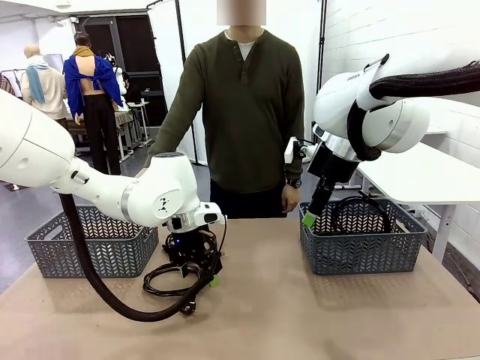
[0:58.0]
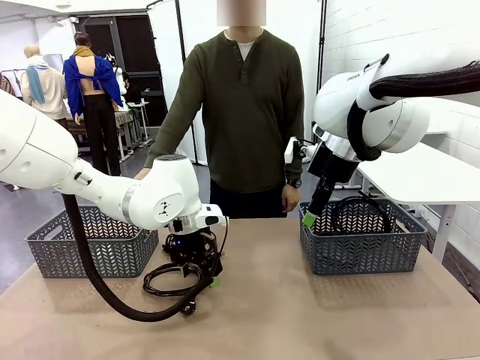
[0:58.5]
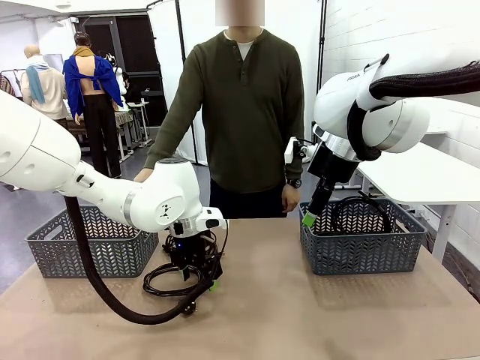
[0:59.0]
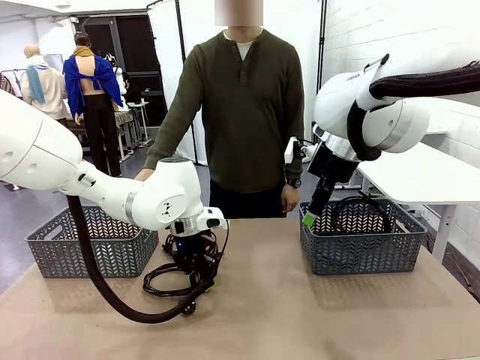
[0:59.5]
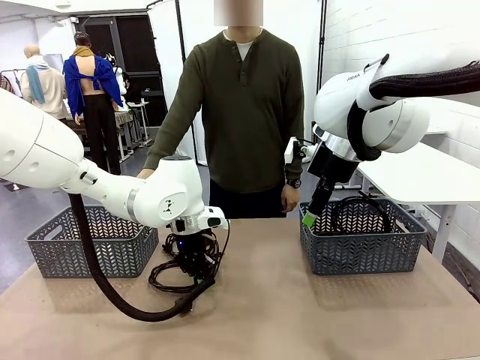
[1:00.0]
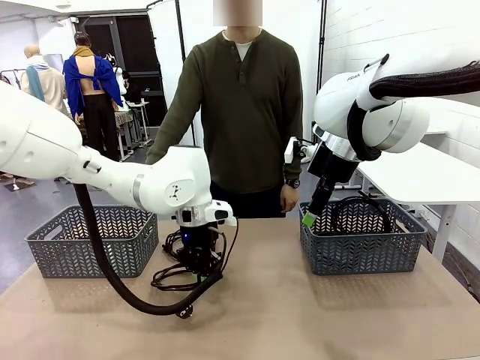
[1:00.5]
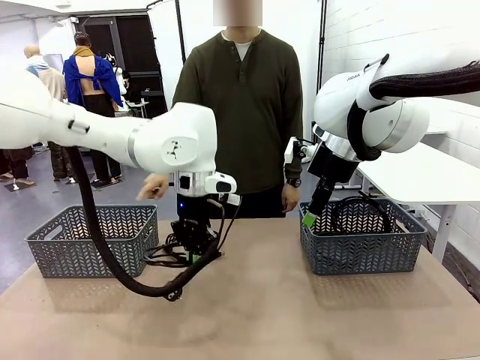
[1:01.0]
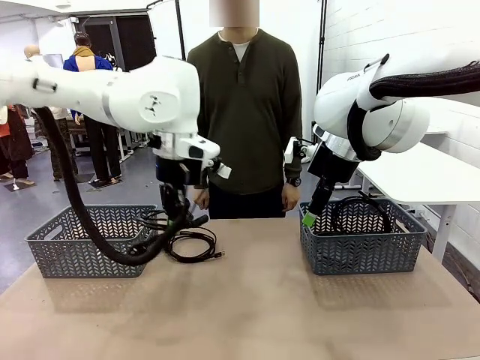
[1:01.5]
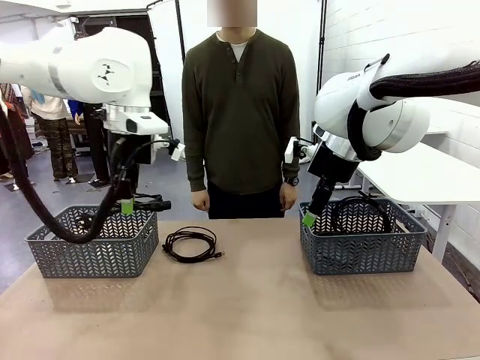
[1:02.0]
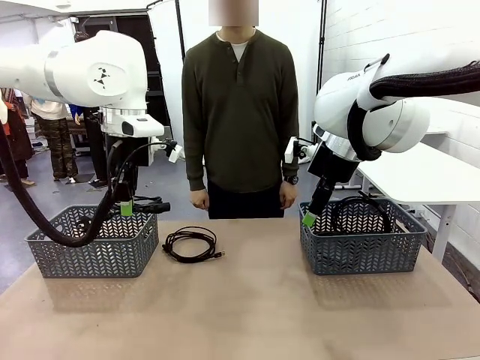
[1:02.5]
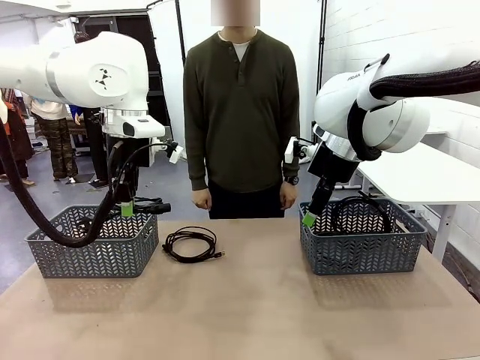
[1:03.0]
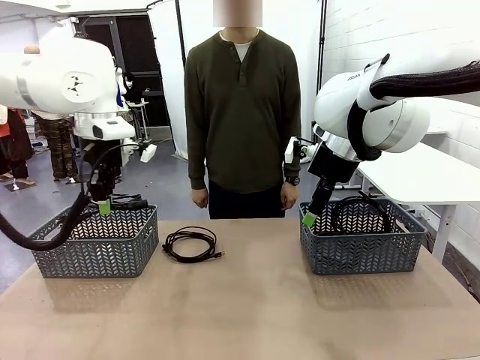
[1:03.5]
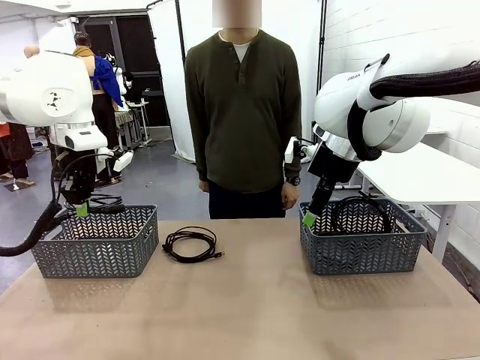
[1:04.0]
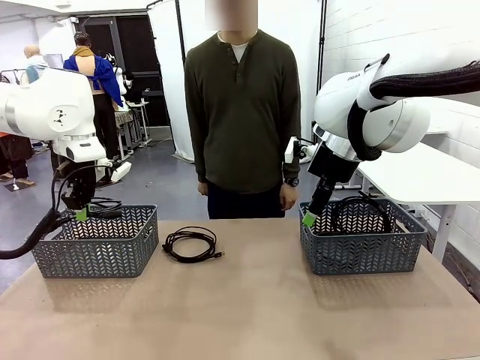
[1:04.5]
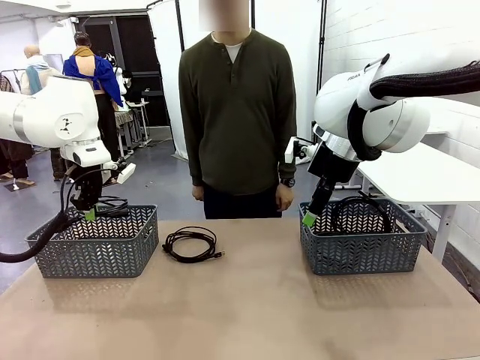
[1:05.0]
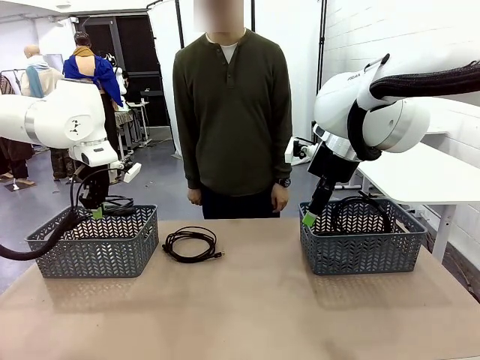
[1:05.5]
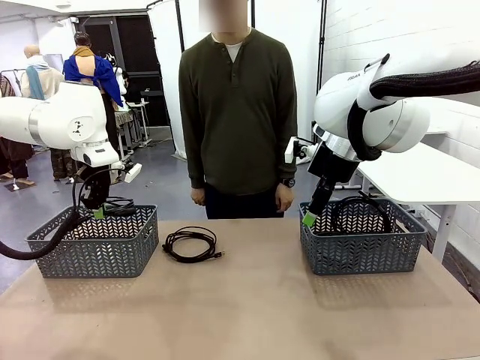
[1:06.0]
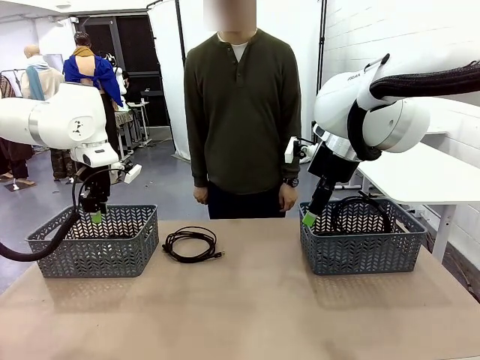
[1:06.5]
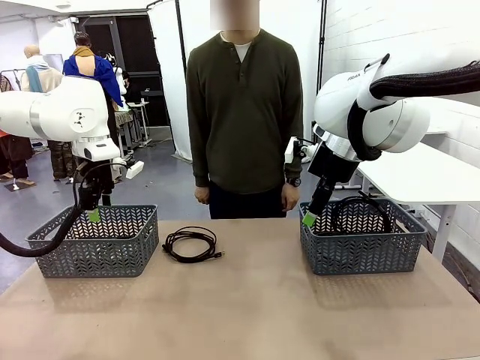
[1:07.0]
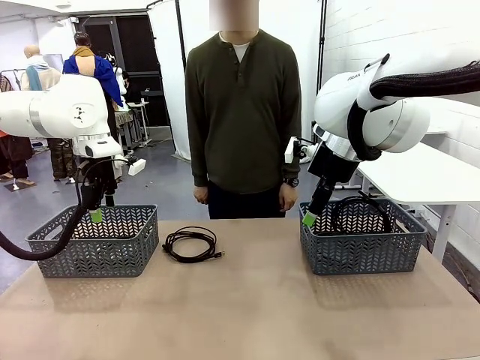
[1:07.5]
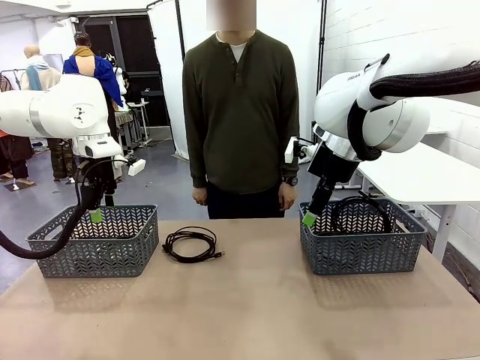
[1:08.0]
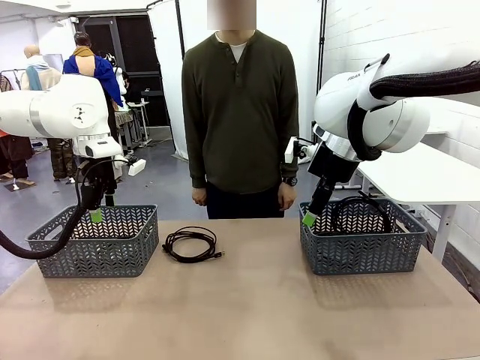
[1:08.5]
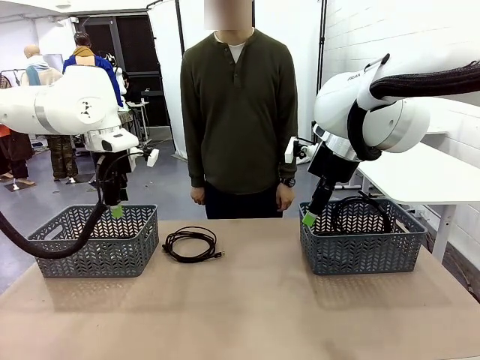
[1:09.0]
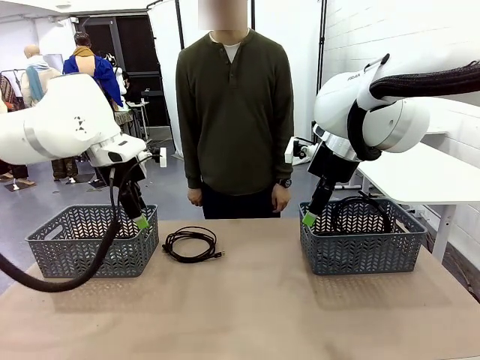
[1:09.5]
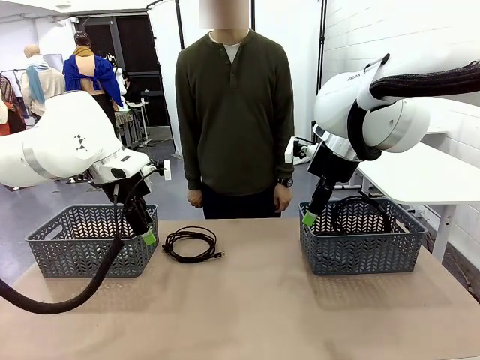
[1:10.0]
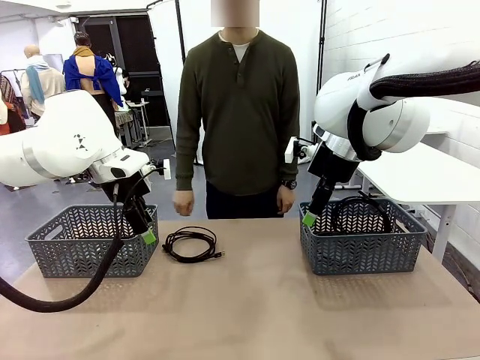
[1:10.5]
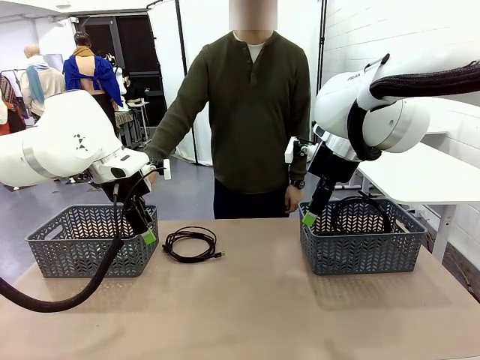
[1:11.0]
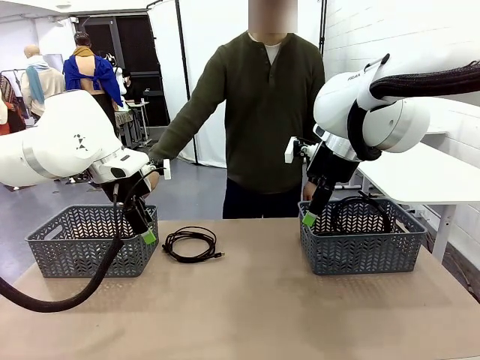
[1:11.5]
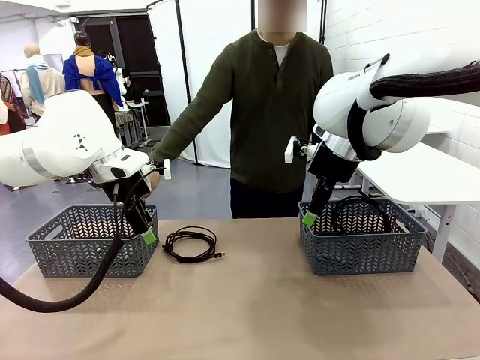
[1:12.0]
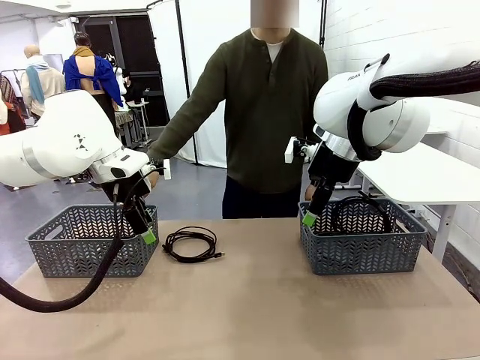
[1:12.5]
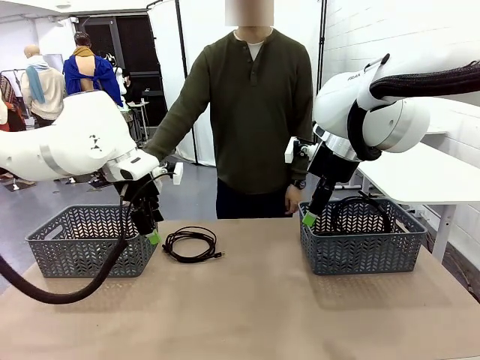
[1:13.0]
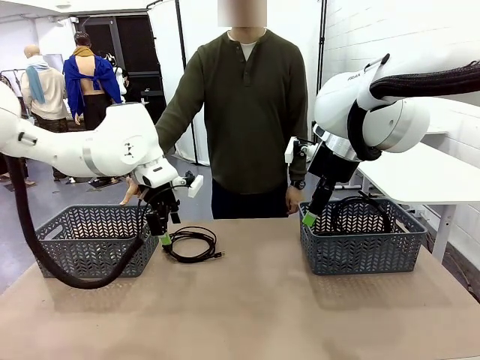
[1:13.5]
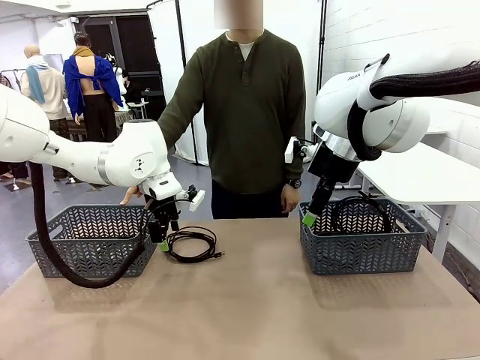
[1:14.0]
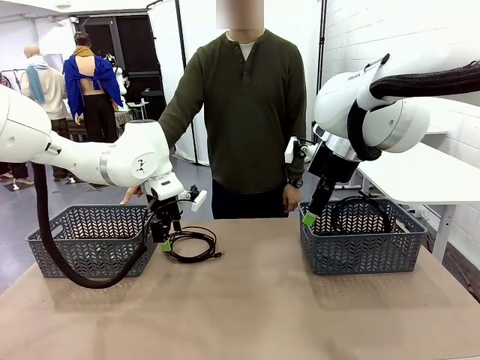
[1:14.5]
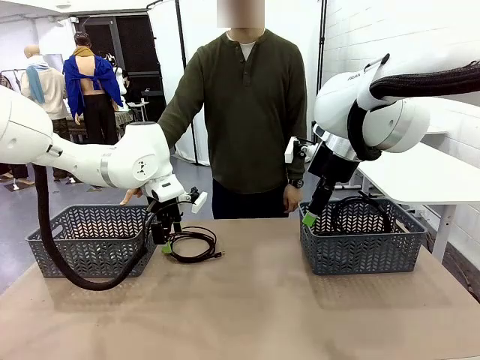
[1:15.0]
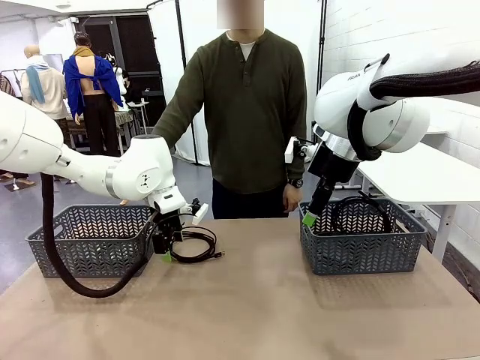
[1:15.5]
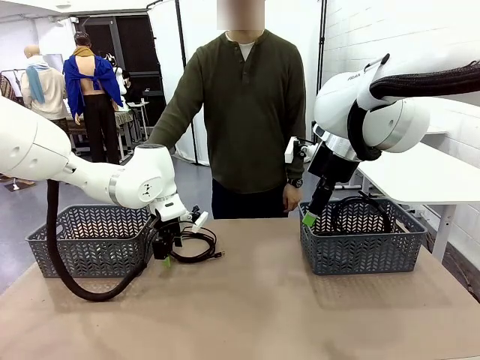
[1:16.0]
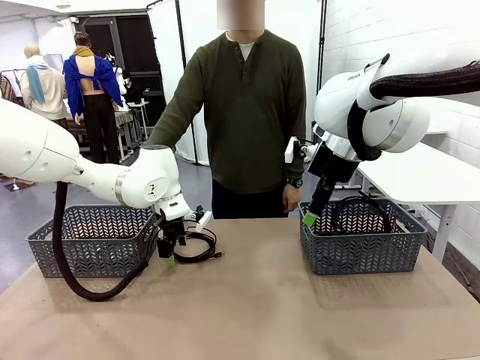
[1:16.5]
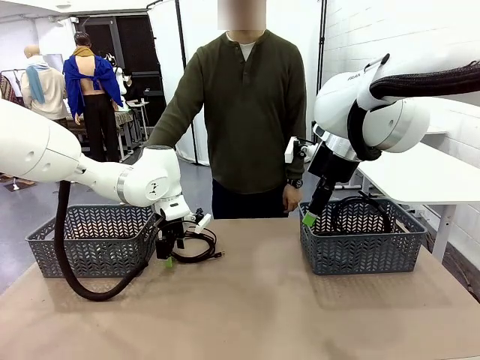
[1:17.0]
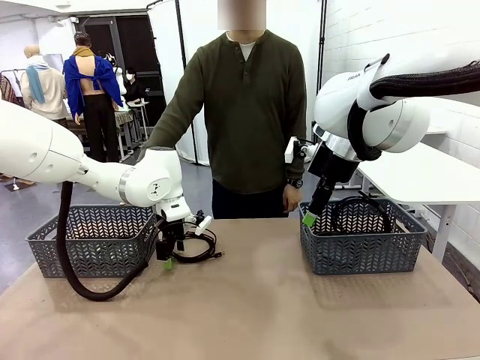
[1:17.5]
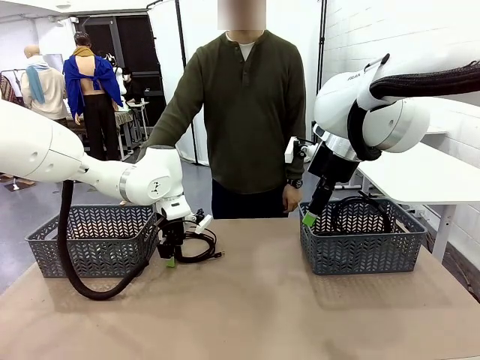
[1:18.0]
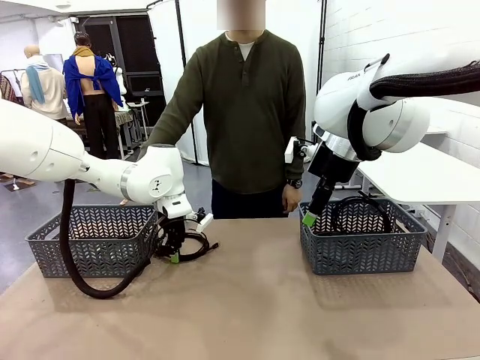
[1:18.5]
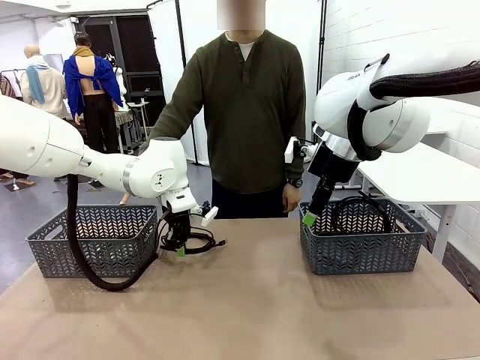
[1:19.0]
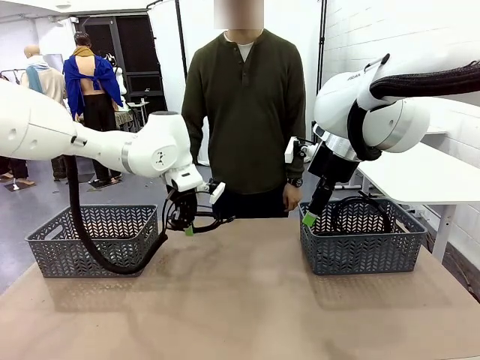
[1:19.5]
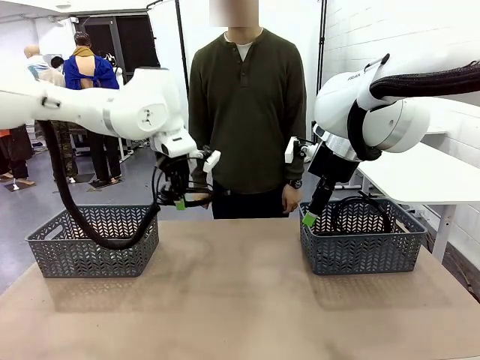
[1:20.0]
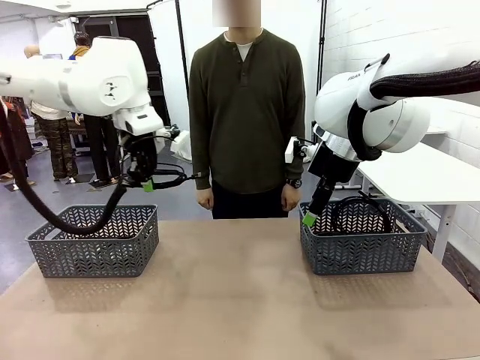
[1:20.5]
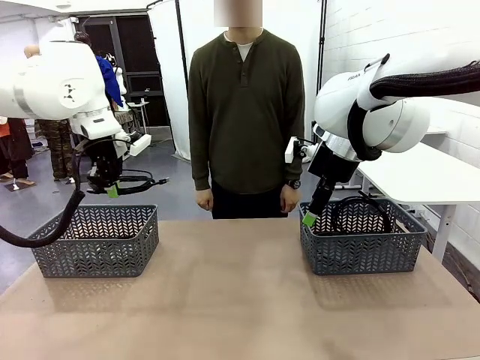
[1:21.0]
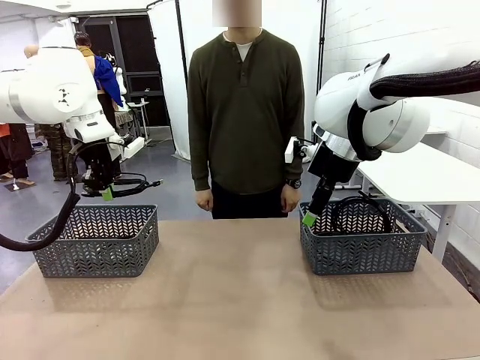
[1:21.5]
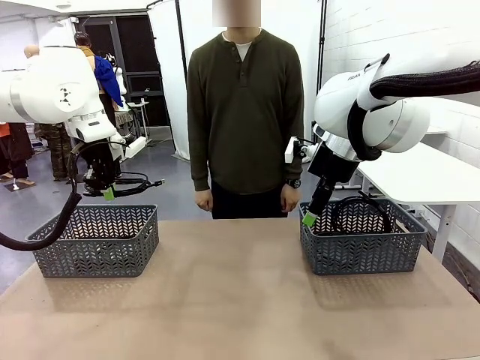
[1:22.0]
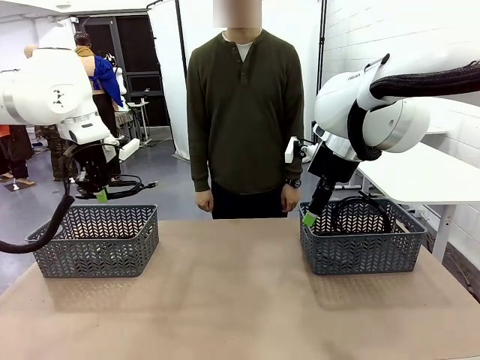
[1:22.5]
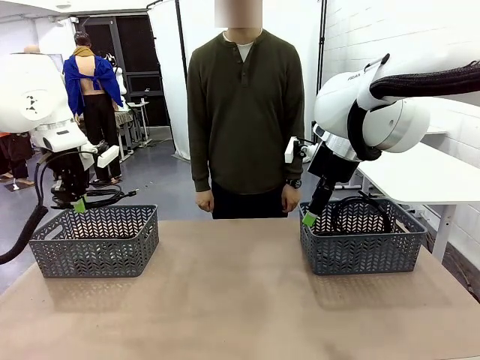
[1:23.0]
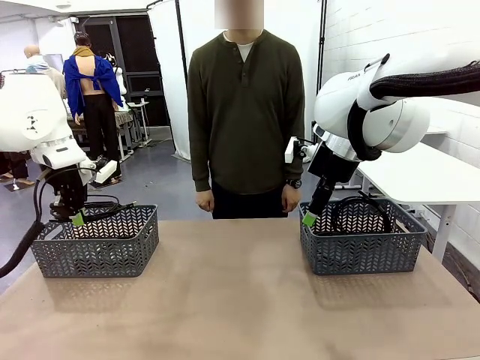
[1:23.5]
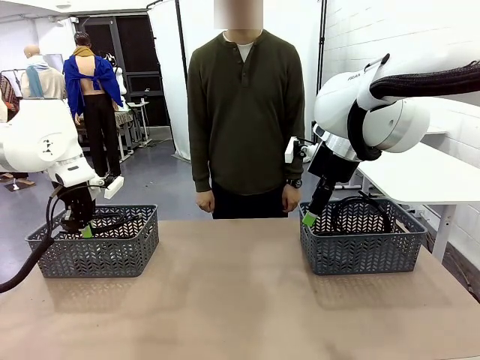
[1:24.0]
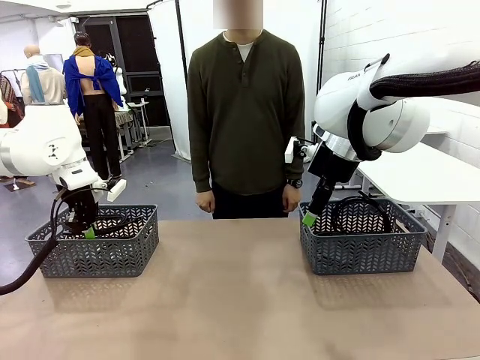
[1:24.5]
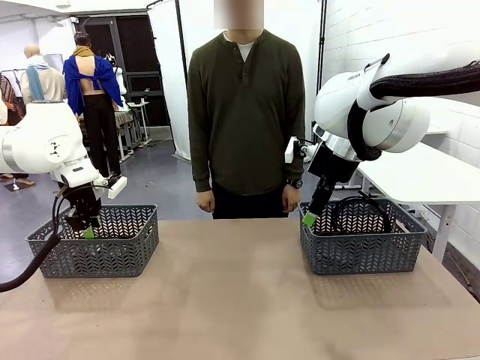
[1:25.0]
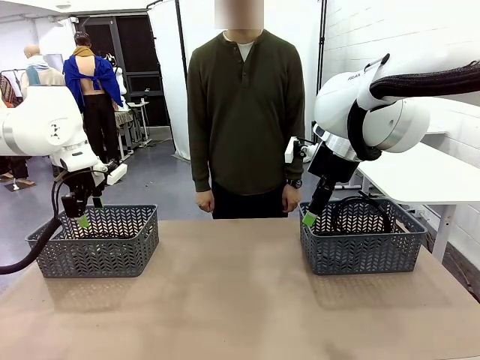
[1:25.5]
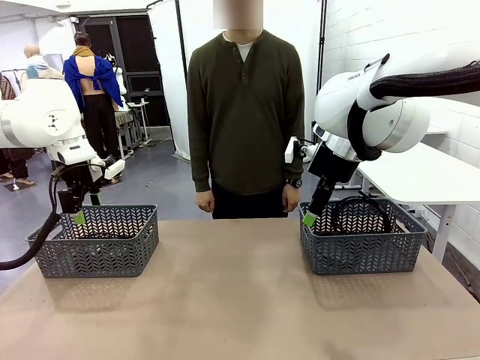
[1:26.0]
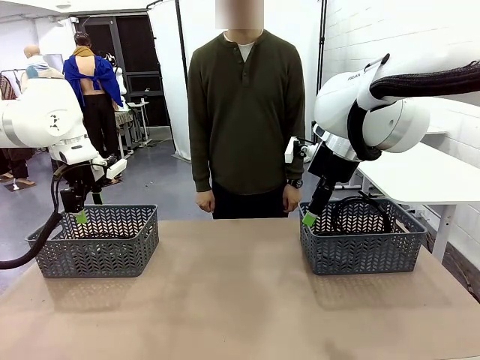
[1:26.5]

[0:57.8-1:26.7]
Task: Organize the cables according to human instructions.
Robot: Pick up a bundle of cables and place it in the basket indicated by the human.
